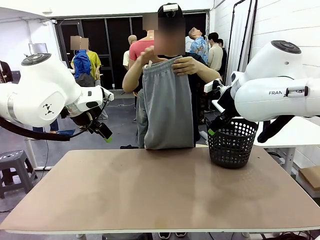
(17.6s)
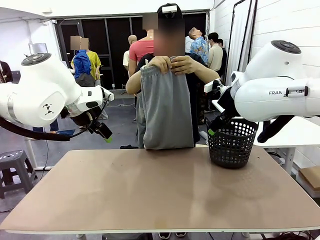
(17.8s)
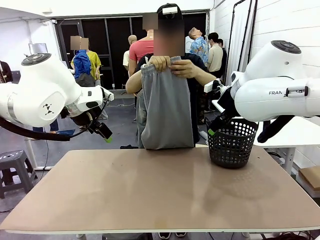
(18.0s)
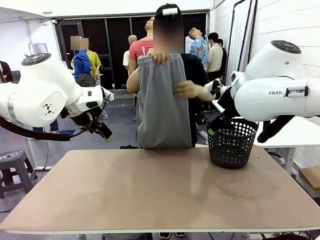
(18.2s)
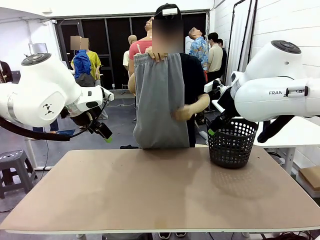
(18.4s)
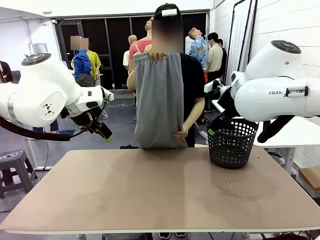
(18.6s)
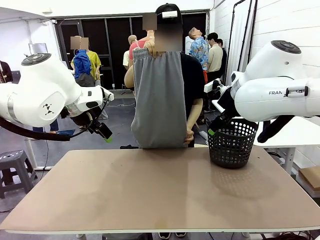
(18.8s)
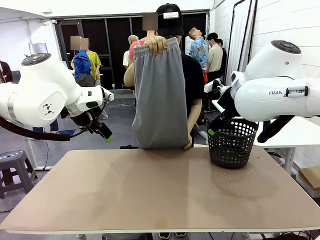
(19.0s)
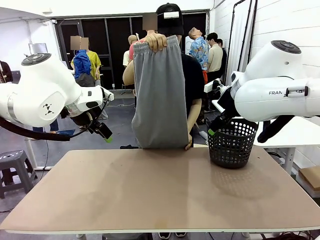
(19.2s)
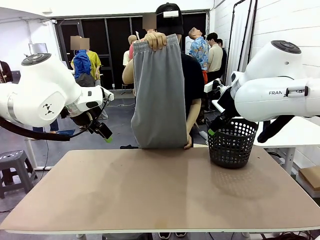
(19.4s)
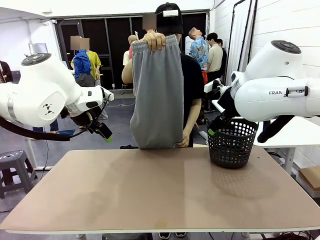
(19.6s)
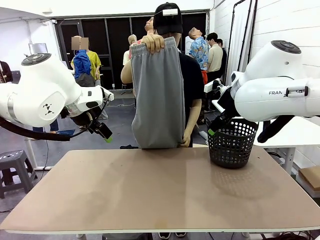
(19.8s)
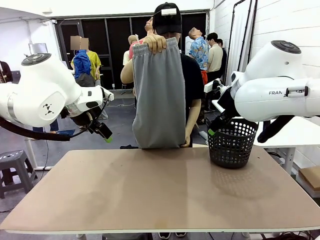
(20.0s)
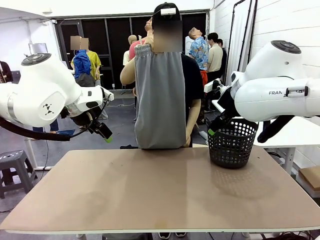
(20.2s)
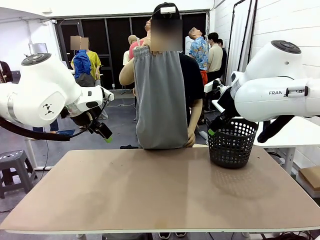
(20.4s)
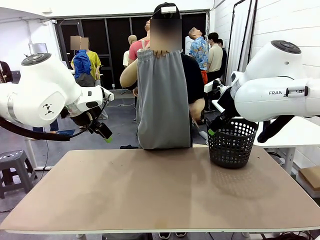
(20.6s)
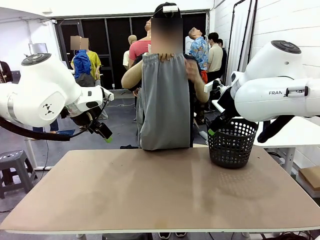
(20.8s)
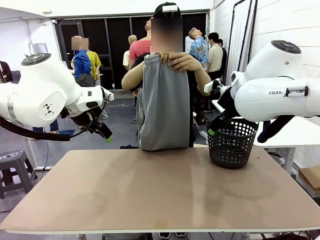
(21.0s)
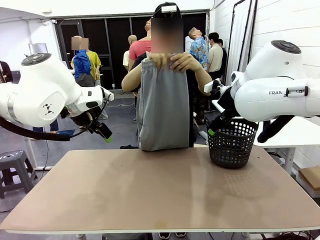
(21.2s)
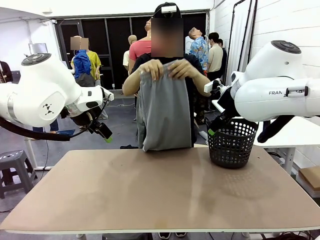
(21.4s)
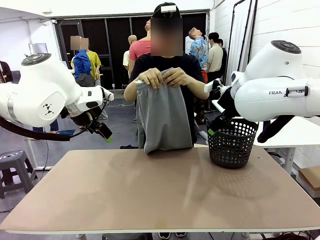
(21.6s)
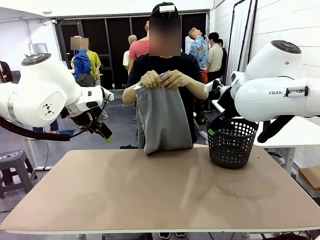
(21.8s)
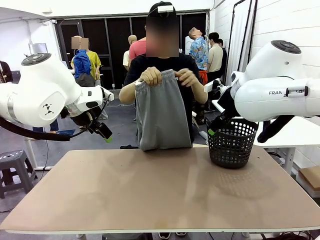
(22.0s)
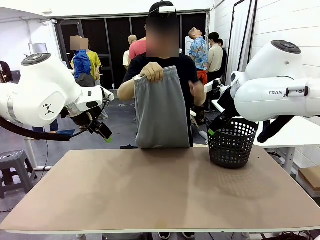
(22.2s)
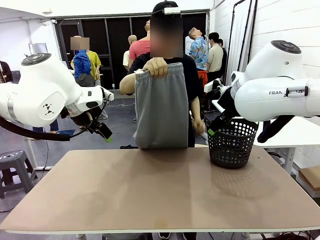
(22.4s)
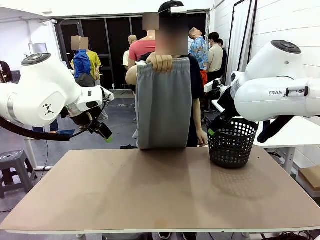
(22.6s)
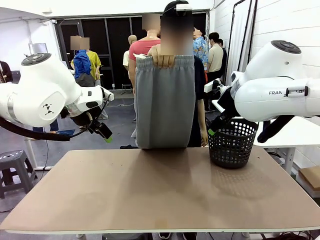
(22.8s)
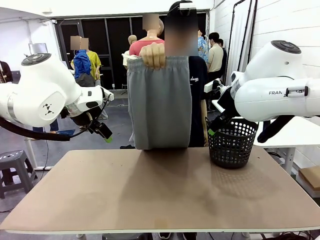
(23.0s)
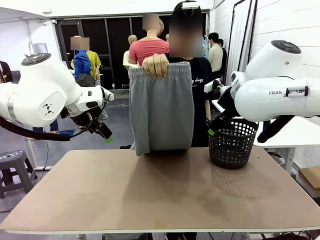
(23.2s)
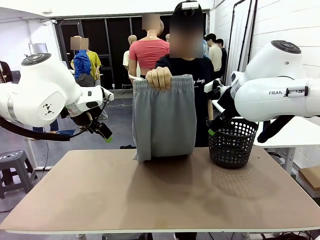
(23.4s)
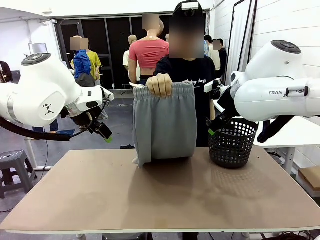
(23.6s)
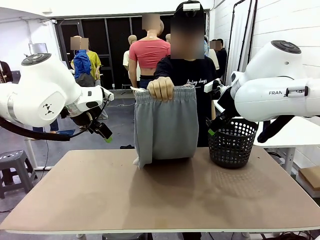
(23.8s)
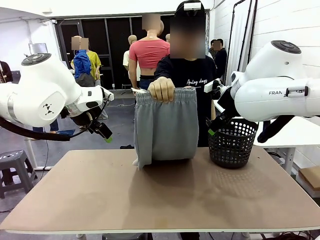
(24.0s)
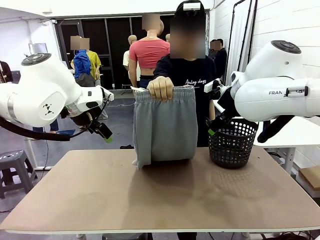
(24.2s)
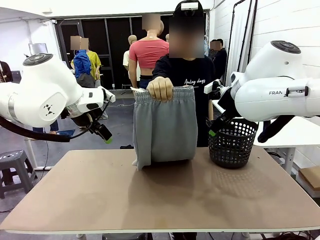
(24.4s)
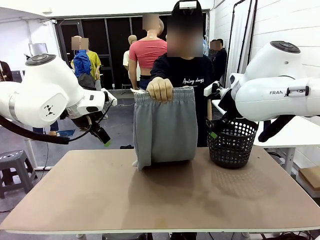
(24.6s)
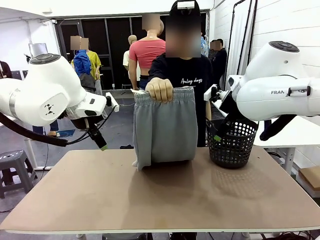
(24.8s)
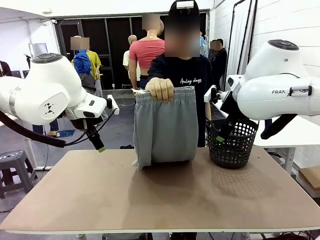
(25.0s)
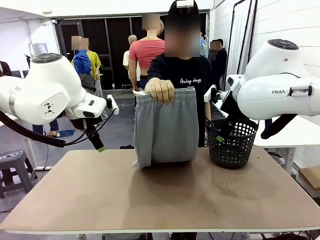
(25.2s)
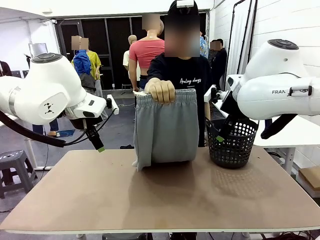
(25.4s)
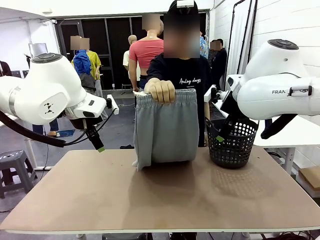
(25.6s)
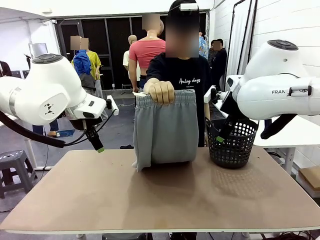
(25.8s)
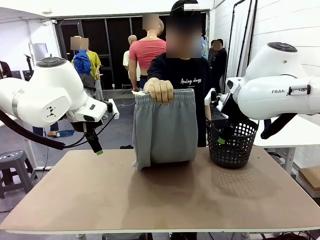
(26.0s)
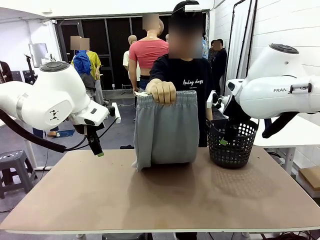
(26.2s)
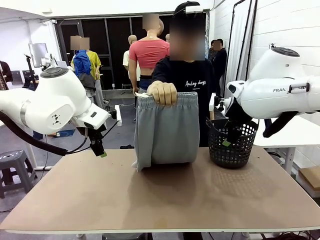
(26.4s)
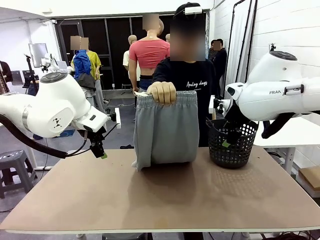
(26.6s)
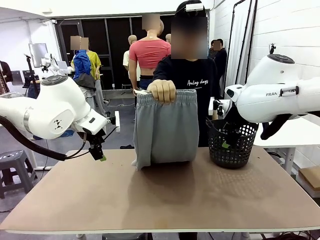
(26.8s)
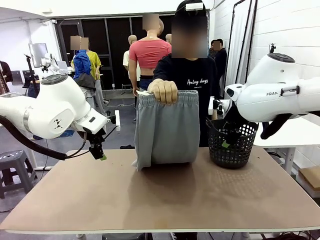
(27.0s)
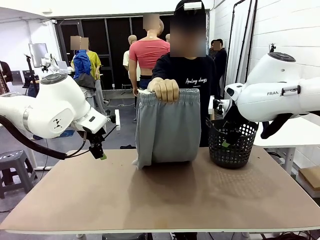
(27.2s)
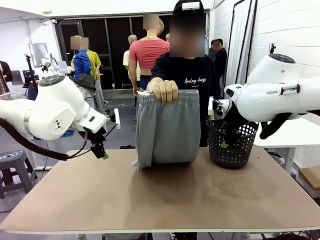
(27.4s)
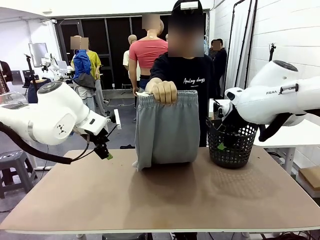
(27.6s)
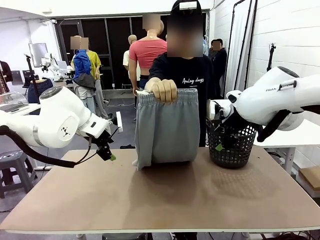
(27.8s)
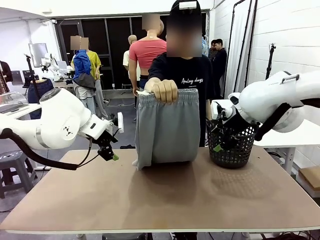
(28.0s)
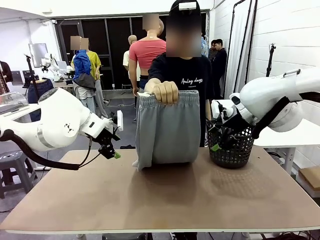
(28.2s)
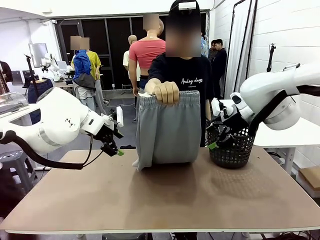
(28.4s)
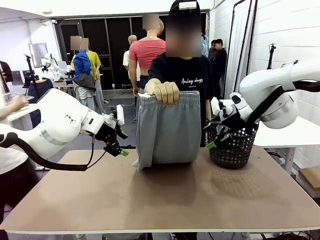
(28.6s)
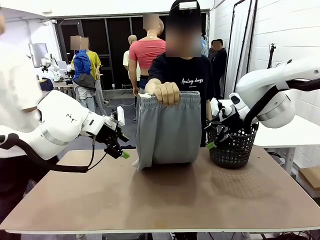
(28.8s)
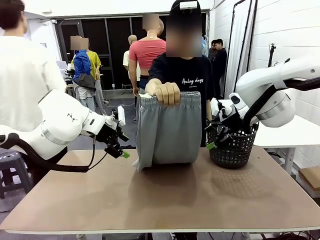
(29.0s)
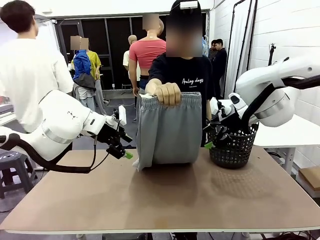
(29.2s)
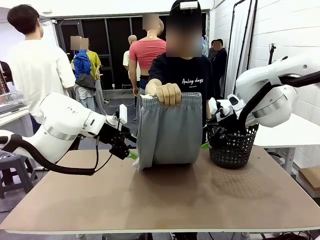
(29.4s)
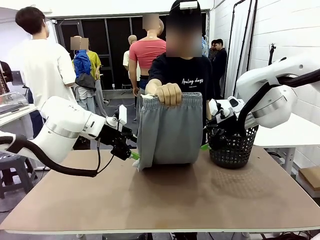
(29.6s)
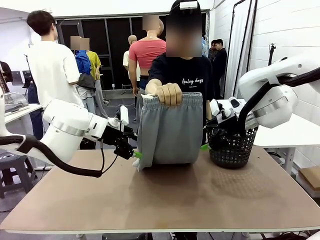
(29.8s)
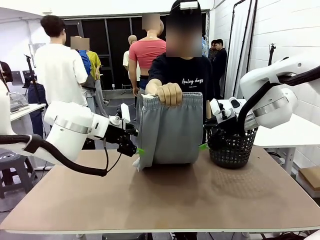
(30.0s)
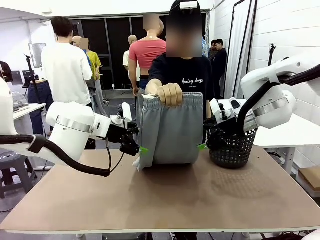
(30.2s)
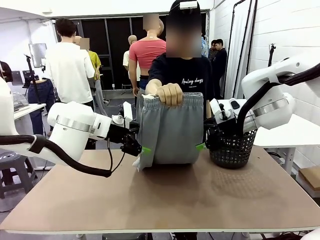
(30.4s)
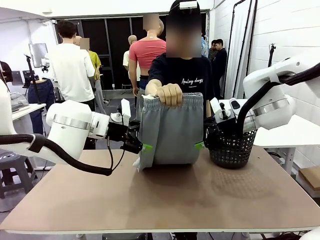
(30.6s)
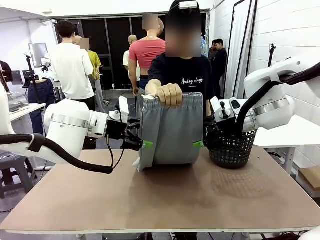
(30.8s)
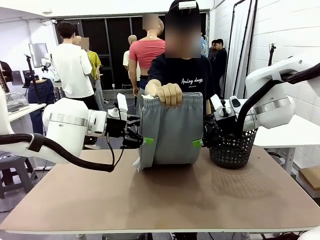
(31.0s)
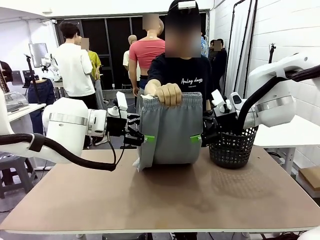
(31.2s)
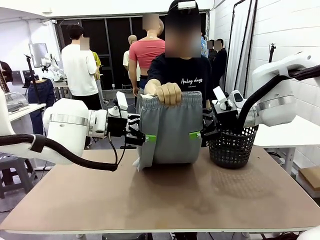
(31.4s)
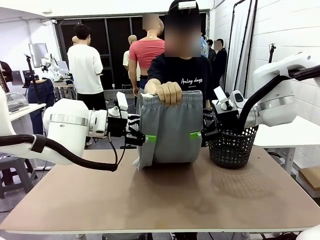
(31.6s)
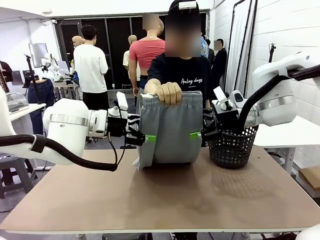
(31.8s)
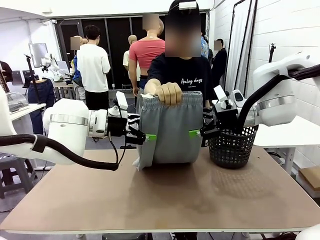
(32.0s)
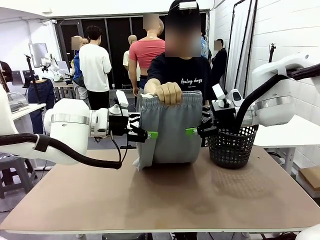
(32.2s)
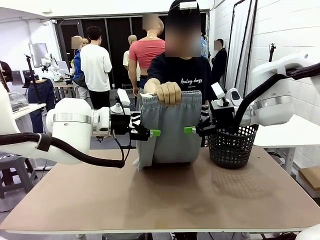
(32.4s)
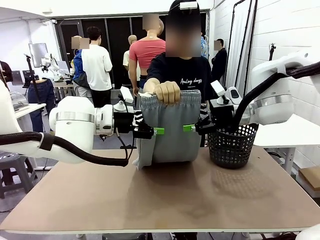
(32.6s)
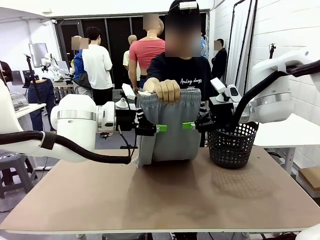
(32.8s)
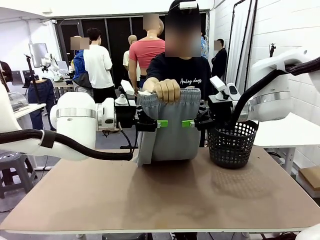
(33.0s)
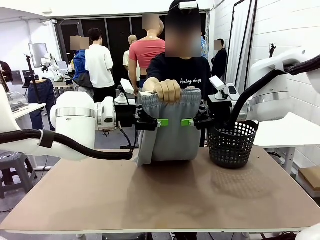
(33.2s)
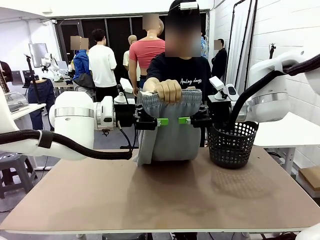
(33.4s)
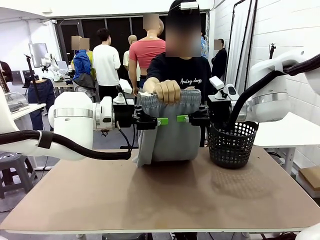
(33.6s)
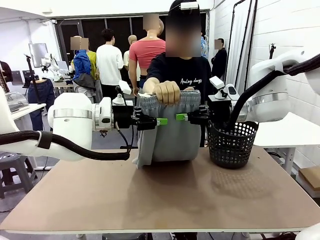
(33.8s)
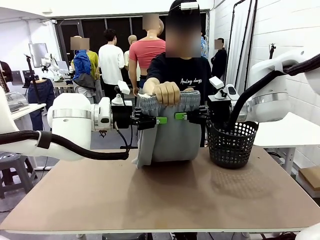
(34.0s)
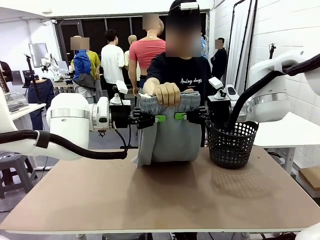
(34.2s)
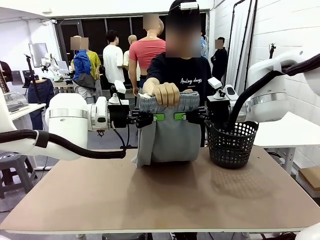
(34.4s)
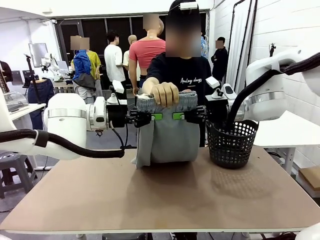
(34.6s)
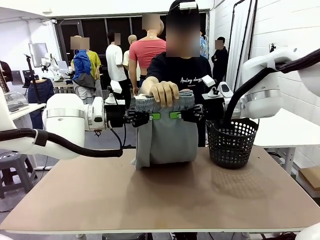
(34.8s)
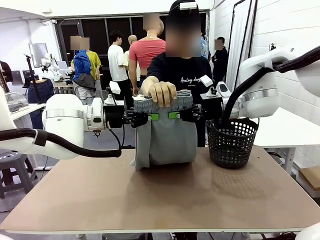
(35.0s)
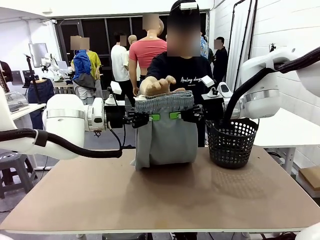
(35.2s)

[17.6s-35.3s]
Task: Fold the training pants.
Robot: Grab both ends of the Training pants handed by a person.
